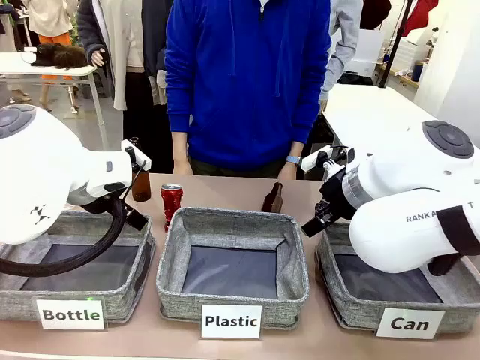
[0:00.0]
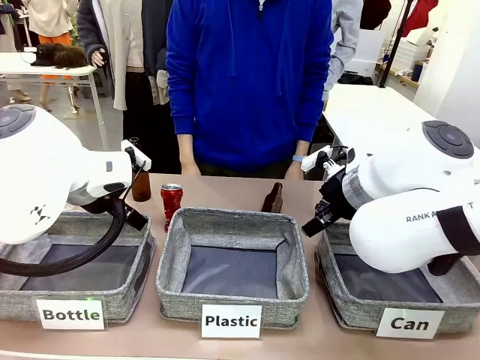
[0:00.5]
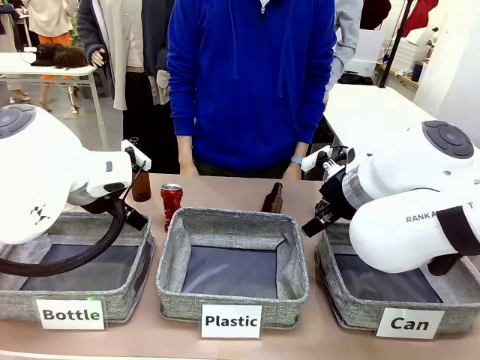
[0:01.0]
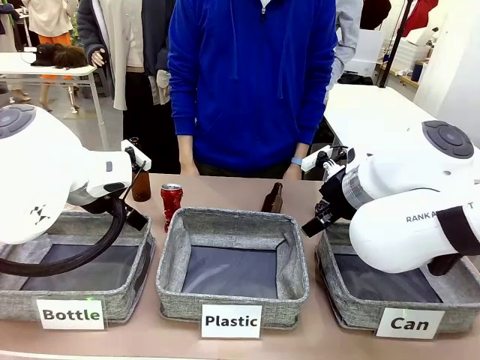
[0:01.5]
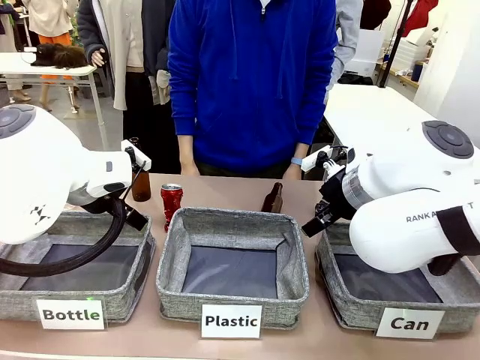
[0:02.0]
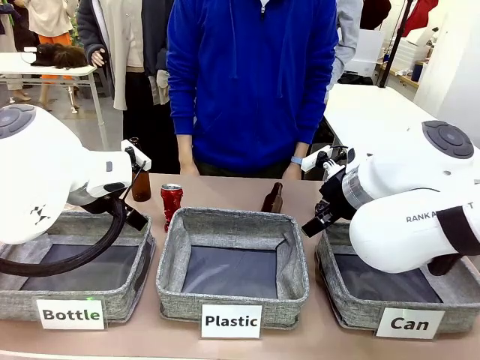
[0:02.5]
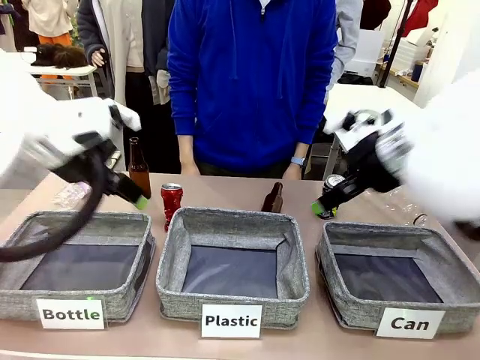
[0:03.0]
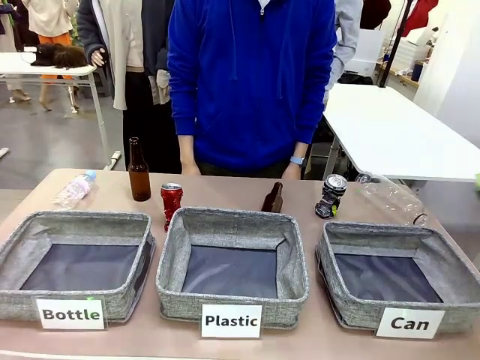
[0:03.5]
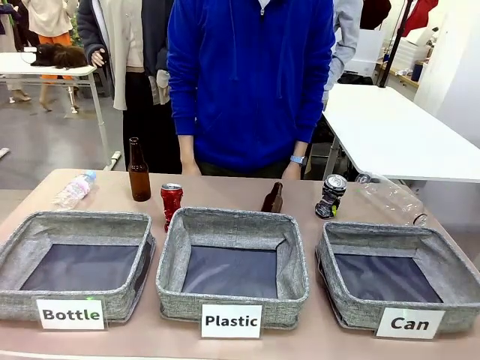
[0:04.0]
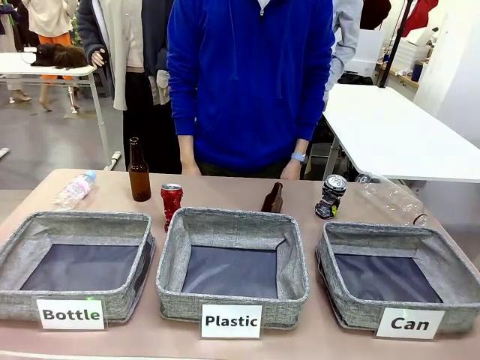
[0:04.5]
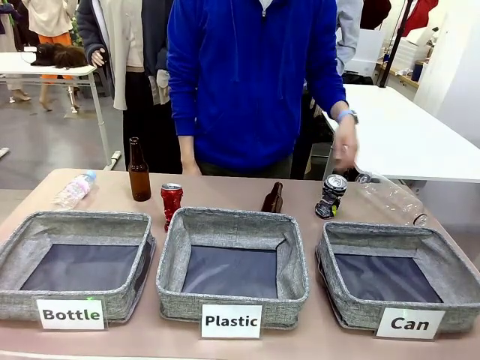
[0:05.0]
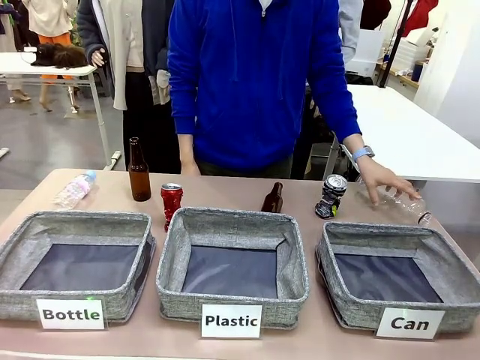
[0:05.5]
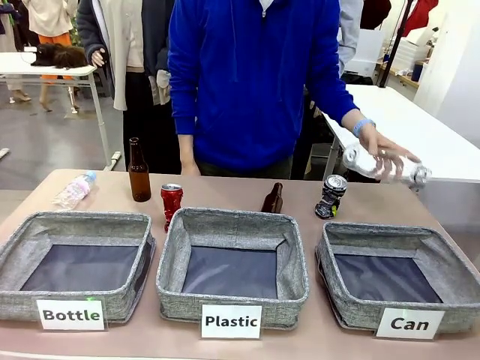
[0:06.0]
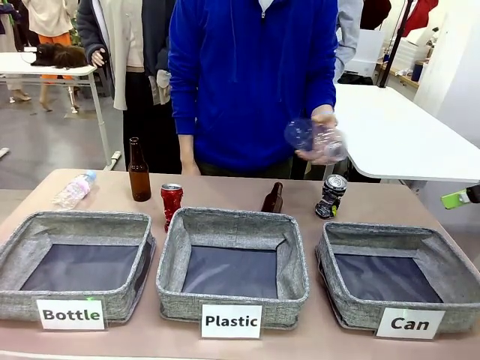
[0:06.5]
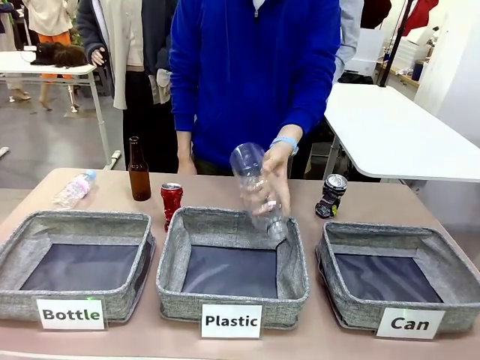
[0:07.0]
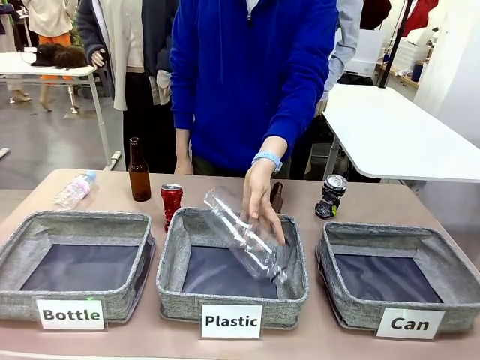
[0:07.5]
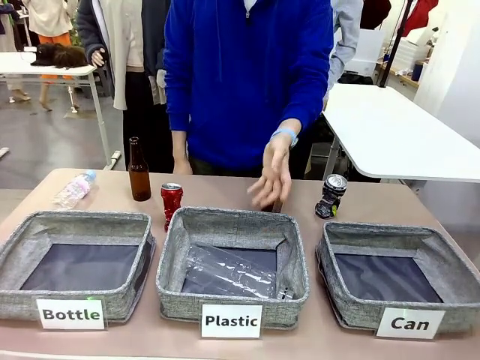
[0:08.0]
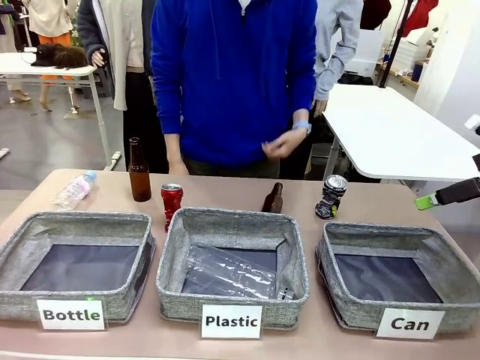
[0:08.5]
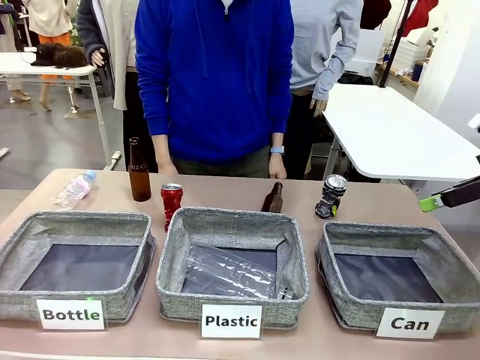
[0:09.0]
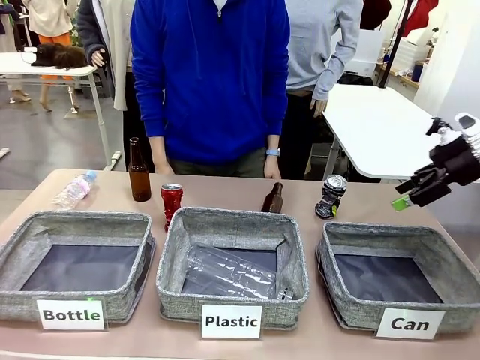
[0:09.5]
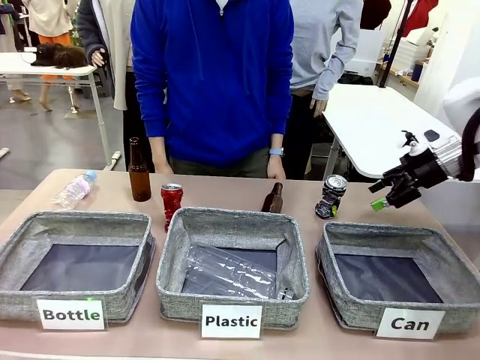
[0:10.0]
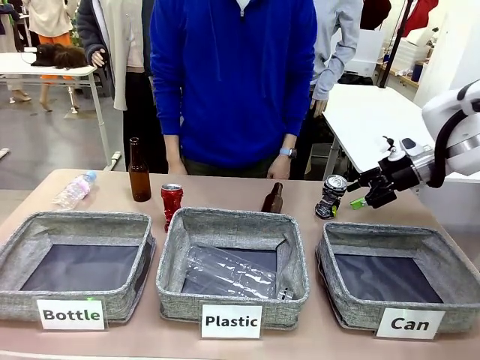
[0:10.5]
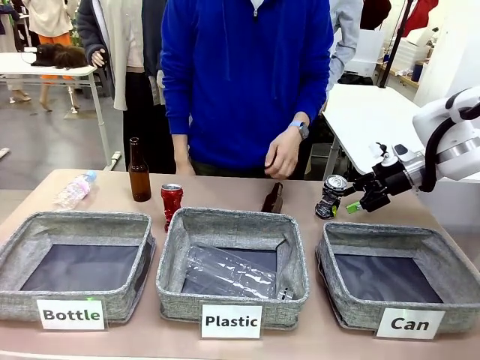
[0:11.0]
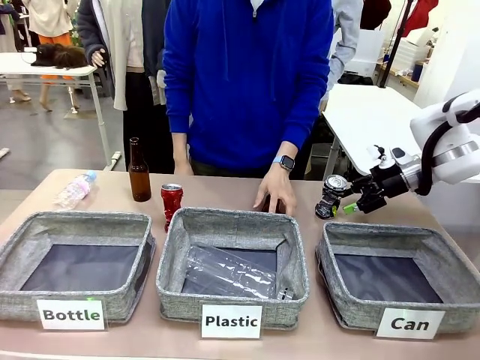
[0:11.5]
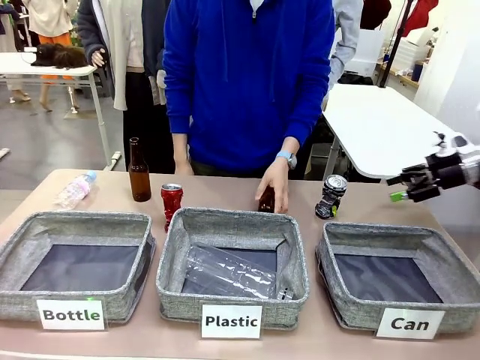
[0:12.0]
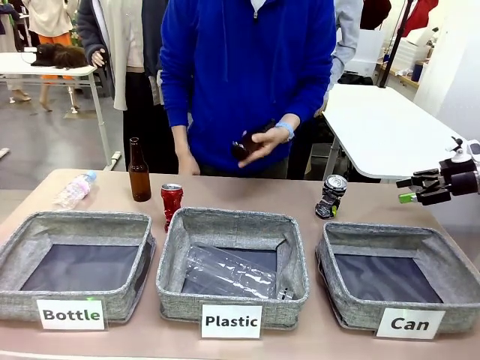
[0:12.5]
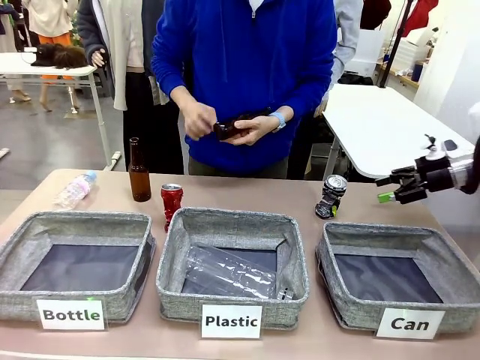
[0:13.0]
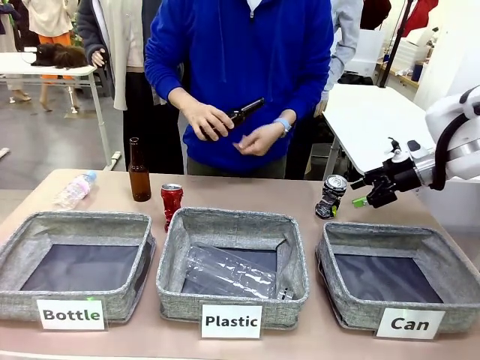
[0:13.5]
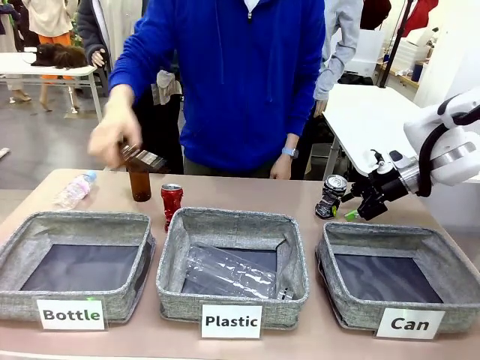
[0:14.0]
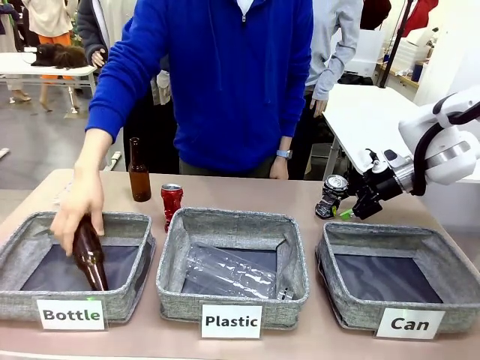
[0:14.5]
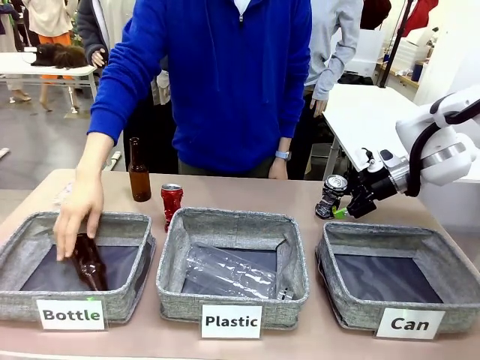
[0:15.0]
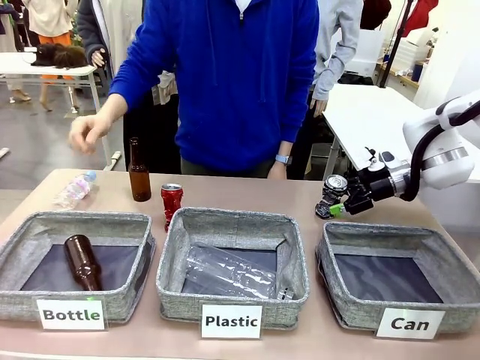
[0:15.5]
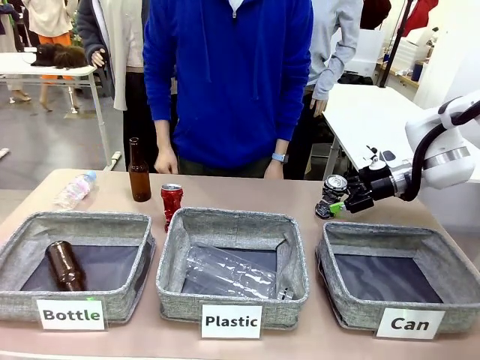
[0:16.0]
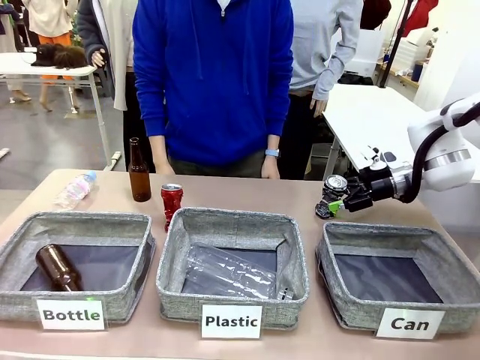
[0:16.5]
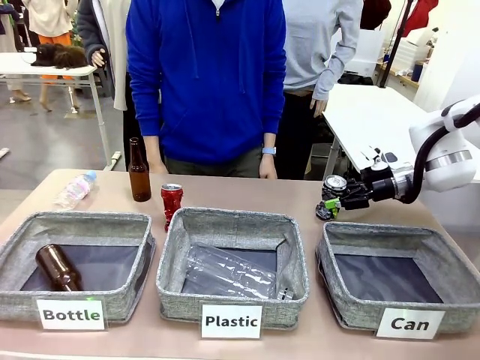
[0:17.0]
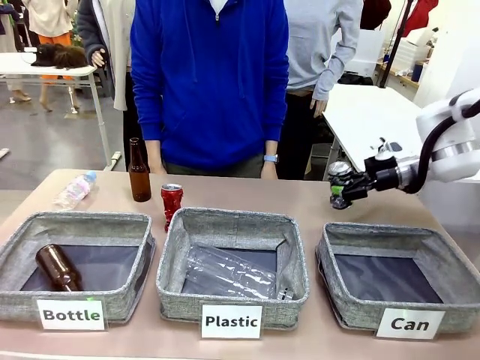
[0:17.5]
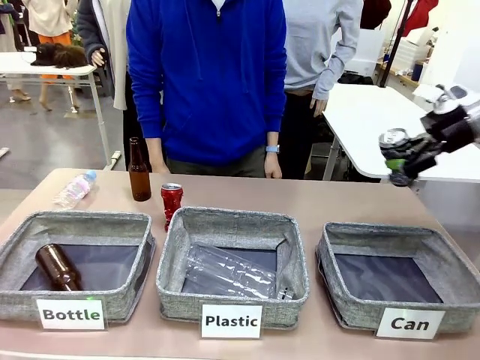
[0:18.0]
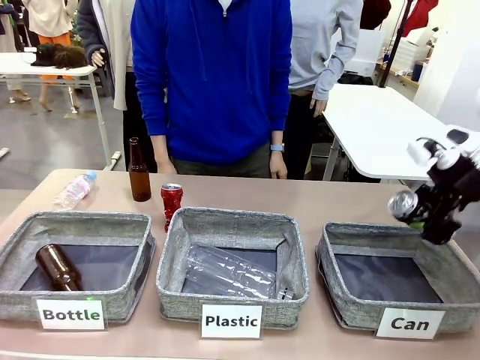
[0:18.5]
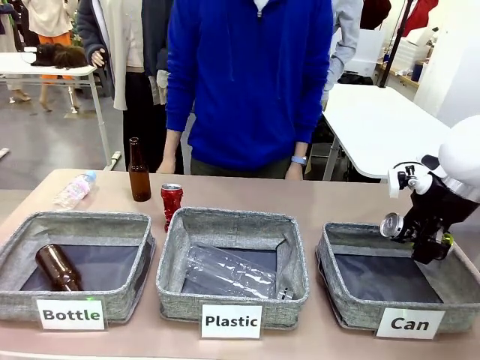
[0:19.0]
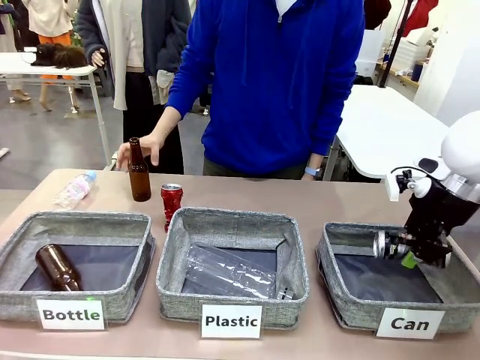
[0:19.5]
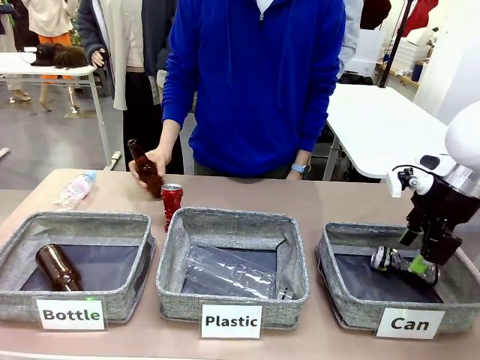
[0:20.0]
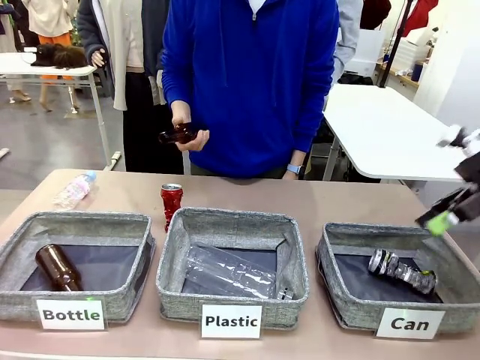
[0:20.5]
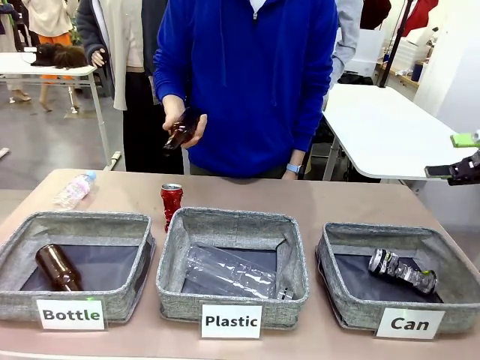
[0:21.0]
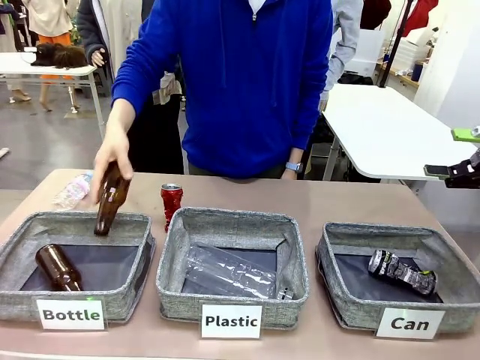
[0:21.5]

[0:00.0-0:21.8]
Task: Sort the can waste into the basket.
Robot: Pick up the can waste from the table and place it in the right Fabric basket.
